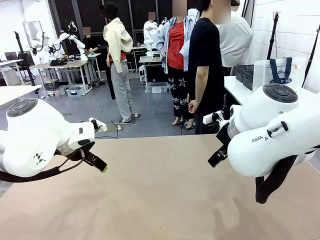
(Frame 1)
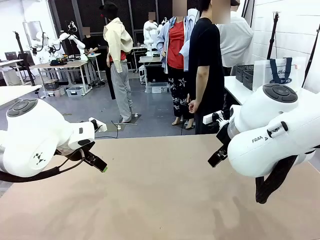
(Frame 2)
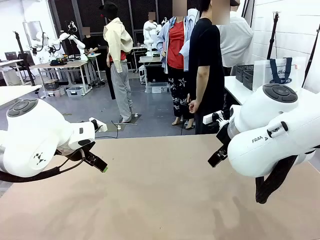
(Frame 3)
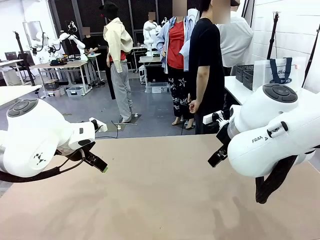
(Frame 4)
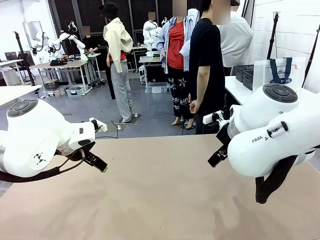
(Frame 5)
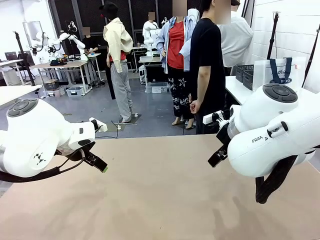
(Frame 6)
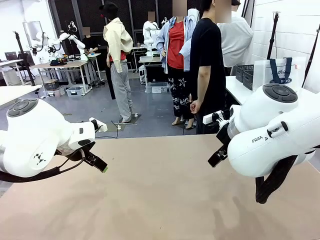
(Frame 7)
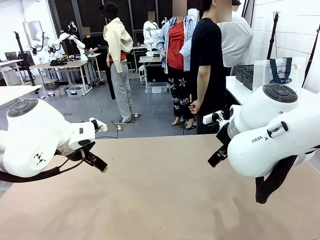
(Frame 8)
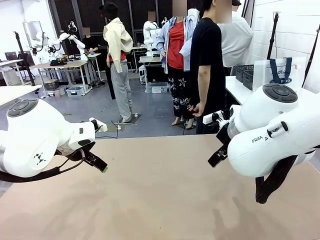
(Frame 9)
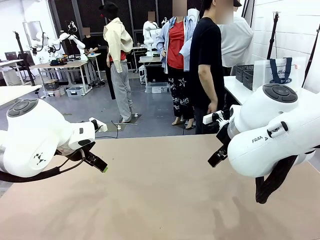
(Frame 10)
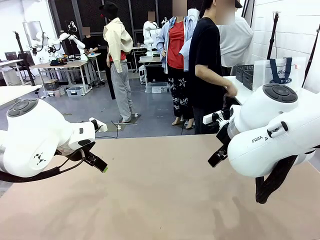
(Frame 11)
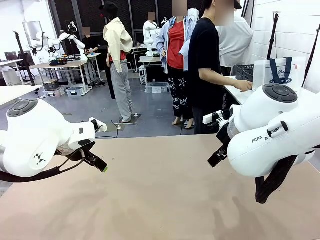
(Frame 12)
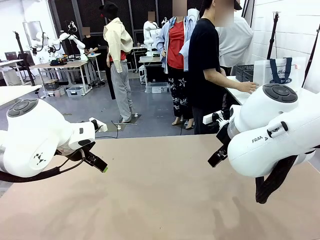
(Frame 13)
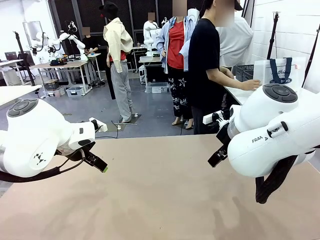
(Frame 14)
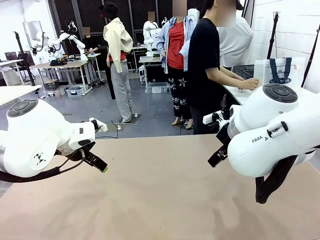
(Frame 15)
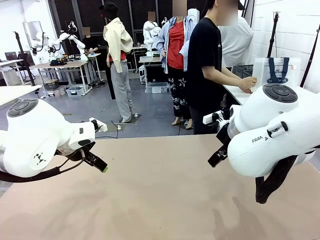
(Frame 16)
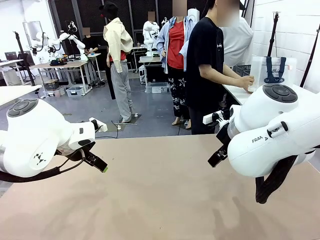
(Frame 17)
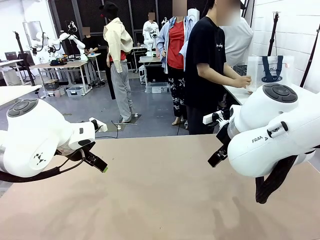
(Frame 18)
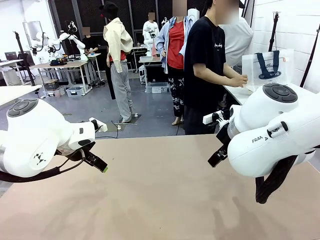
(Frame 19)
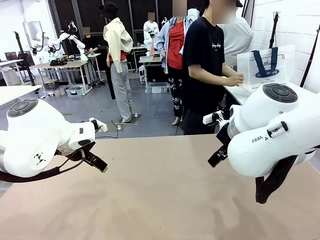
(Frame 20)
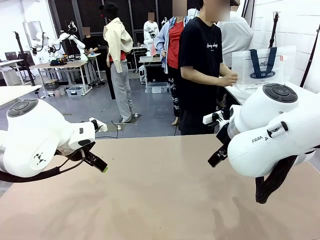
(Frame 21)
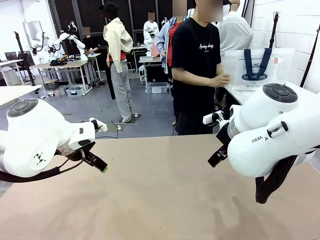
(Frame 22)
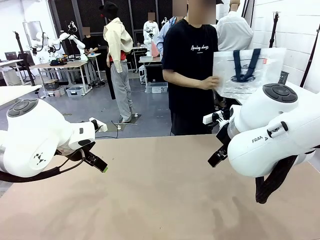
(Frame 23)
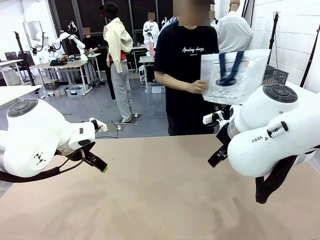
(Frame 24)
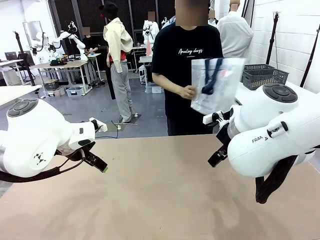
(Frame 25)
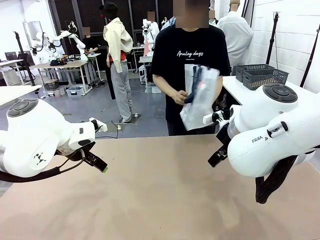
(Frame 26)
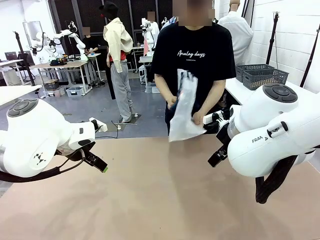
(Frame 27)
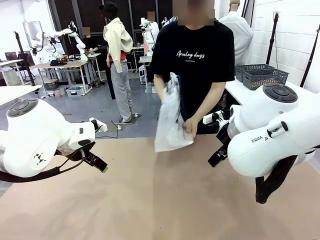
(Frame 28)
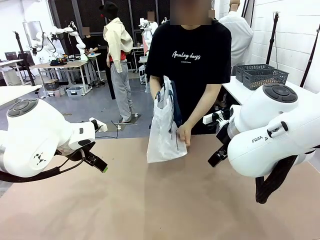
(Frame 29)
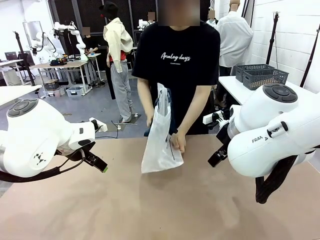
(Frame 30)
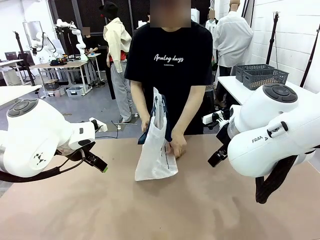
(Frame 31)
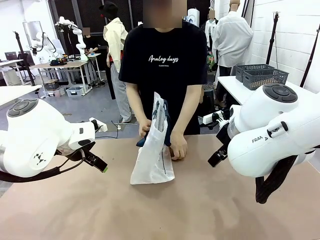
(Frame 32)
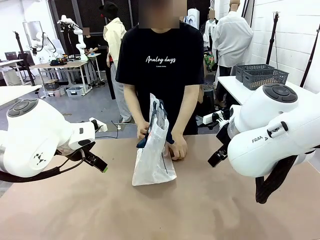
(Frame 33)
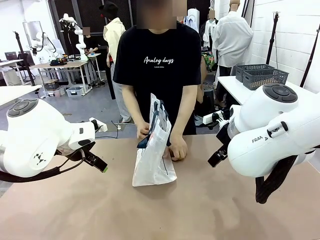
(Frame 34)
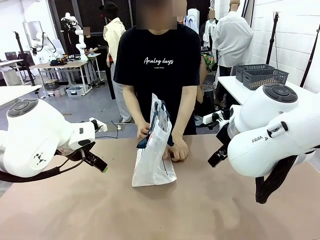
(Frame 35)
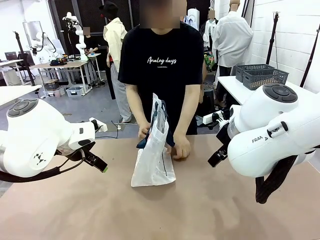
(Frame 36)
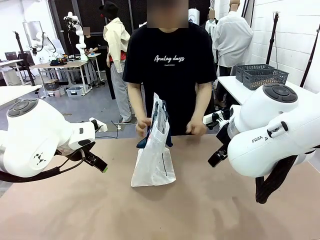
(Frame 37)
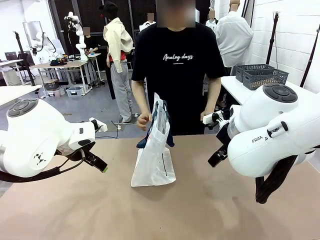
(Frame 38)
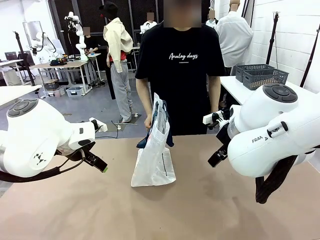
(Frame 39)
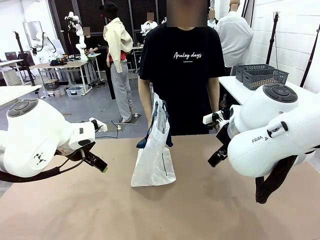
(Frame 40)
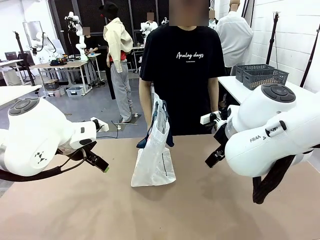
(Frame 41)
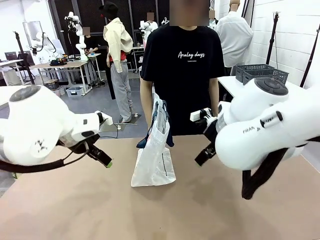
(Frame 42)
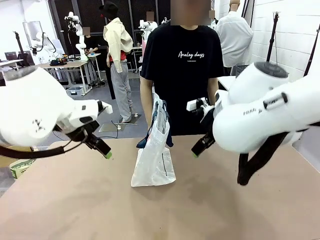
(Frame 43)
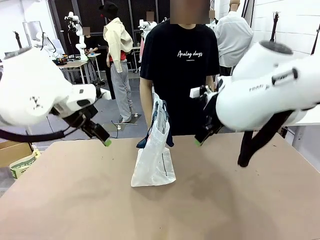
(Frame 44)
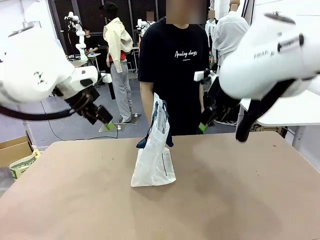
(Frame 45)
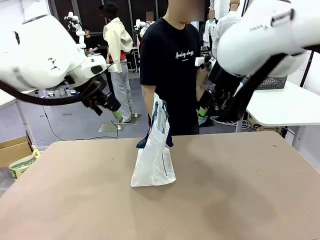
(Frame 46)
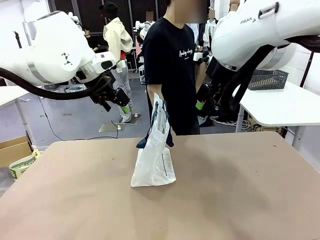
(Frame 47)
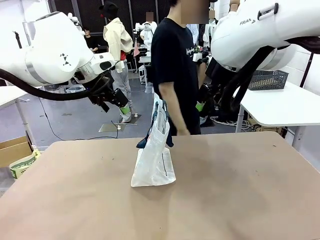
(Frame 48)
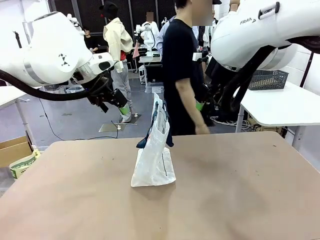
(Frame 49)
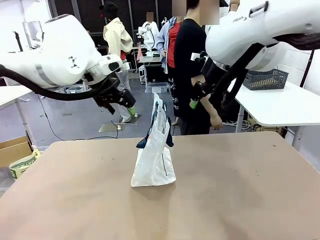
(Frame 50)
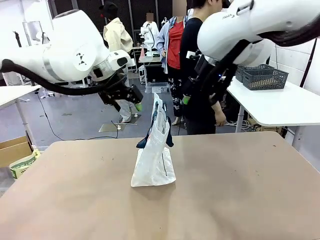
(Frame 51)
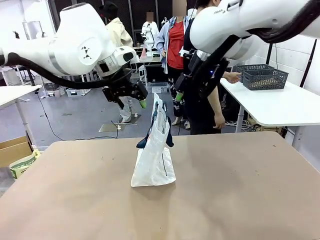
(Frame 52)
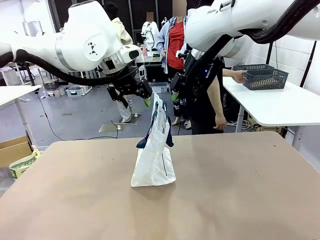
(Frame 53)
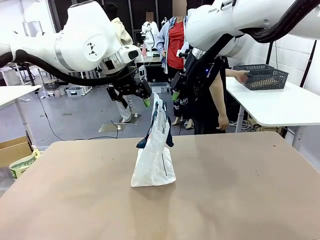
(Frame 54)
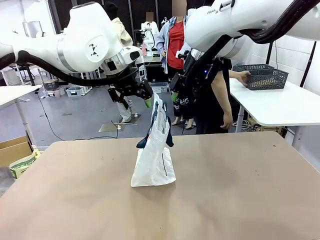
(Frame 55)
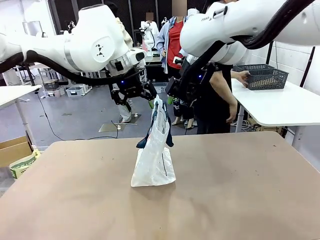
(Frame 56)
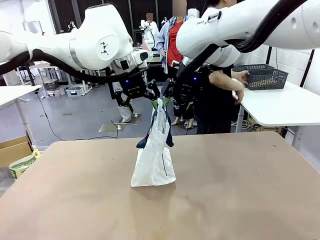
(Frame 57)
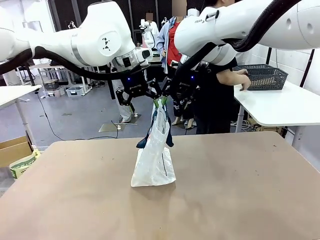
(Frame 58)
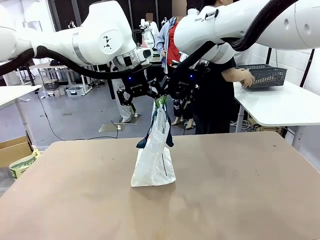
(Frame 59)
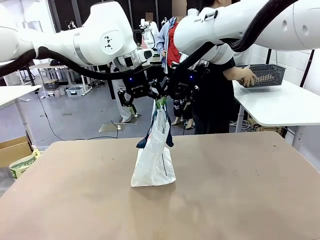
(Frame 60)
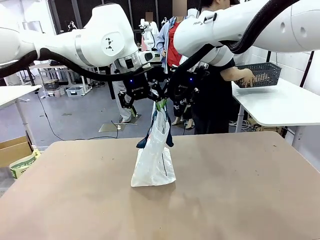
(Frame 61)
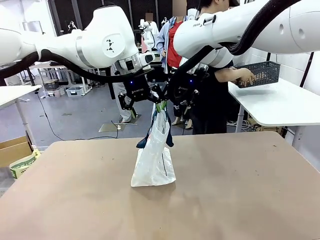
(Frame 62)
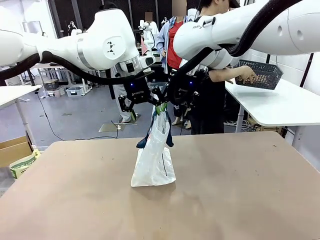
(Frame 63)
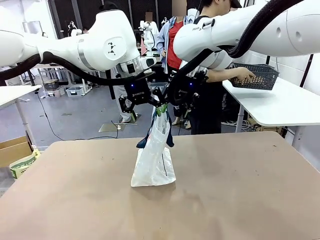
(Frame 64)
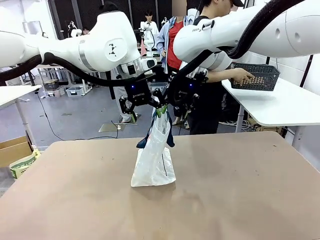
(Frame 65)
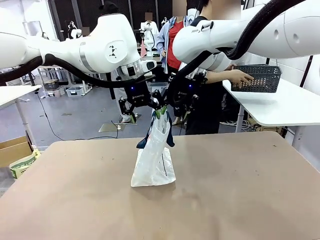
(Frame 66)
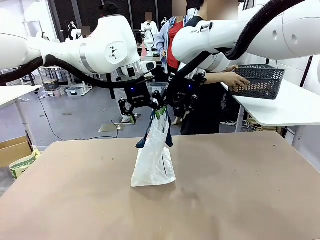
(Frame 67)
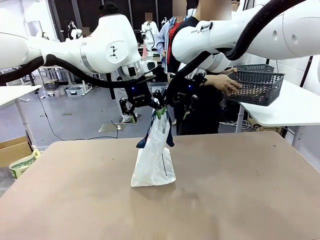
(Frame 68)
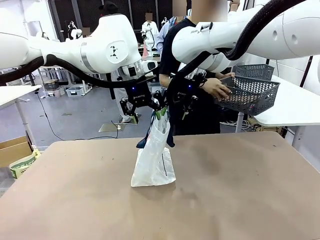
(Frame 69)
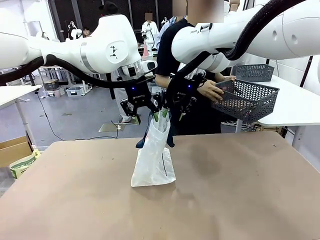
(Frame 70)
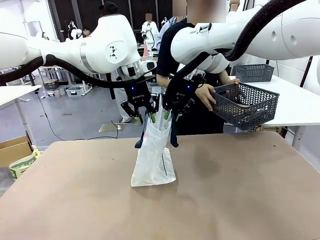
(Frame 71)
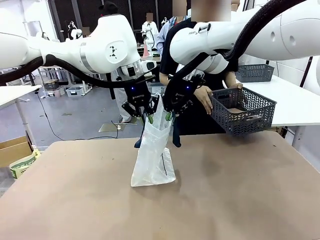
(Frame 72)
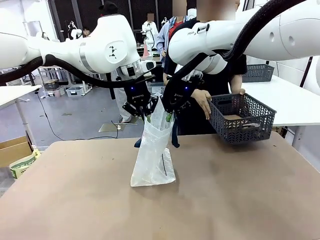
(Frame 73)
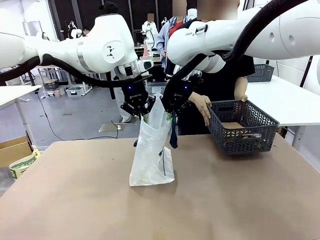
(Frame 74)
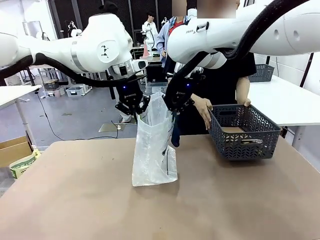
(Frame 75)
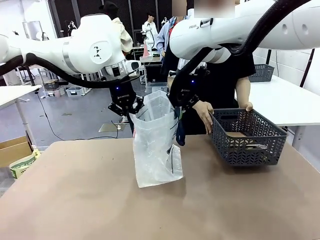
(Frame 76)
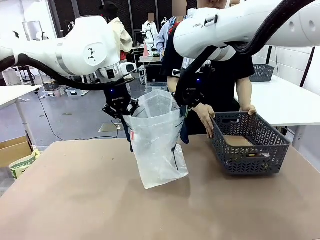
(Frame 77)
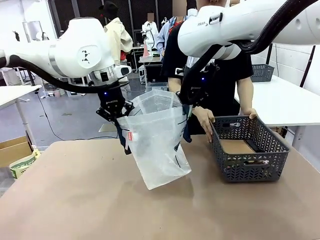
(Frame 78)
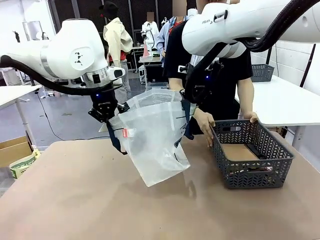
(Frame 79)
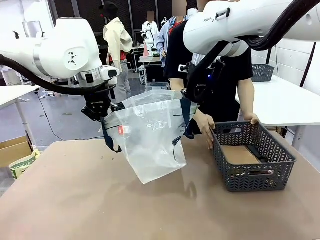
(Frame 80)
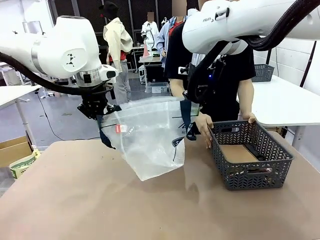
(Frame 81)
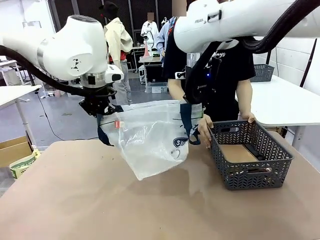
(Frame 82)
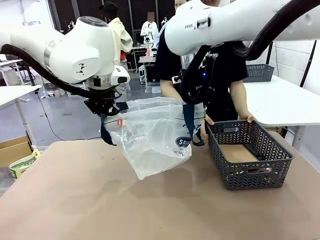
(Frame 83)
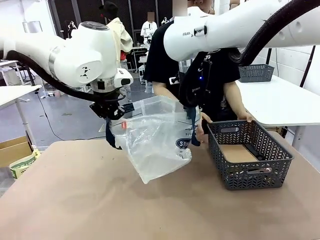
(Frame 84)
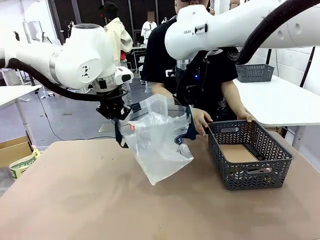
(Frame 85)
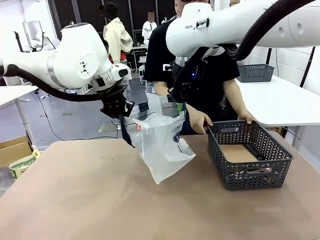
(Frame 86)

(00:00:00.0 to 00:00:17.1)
Task: Transfer purchased items from the store into the shopping bag.
Robot: Open the Reusable shopping bag in the center of the table.
Person: Pick up the shopping bag and place it in the middle of the robot table.
